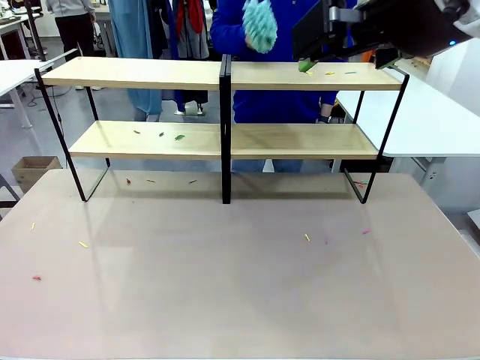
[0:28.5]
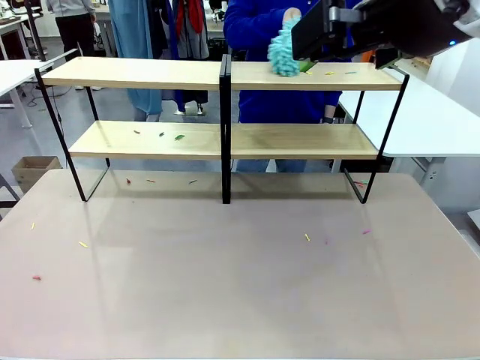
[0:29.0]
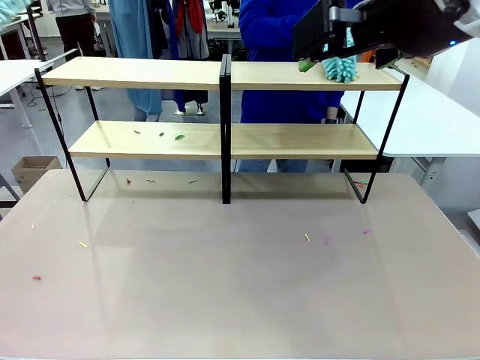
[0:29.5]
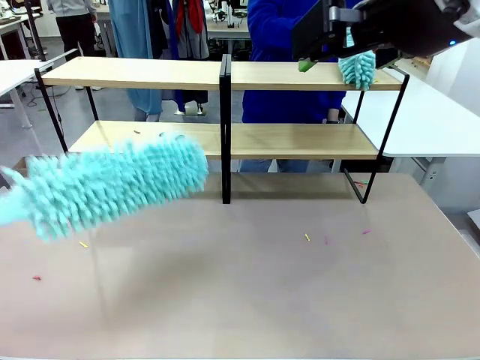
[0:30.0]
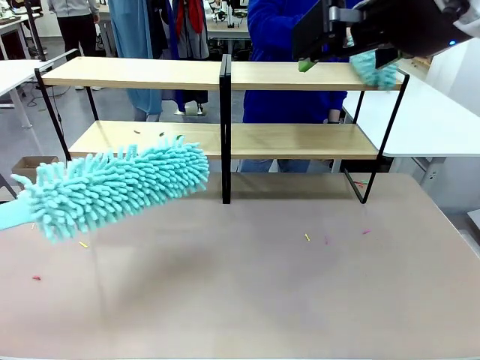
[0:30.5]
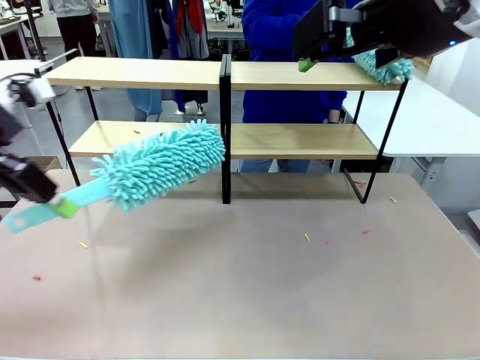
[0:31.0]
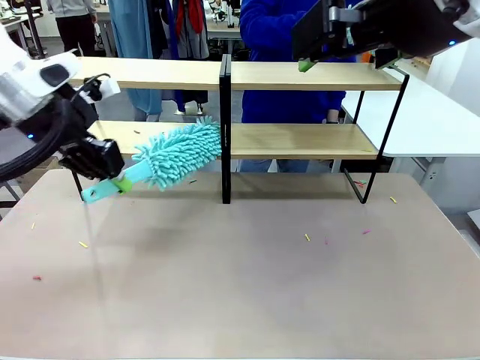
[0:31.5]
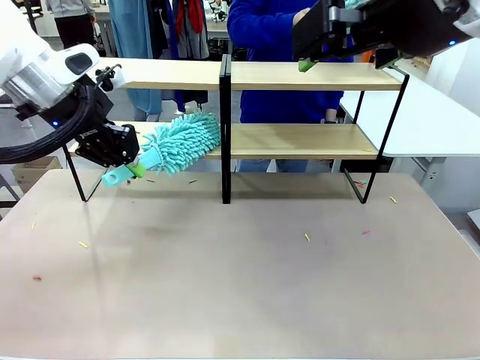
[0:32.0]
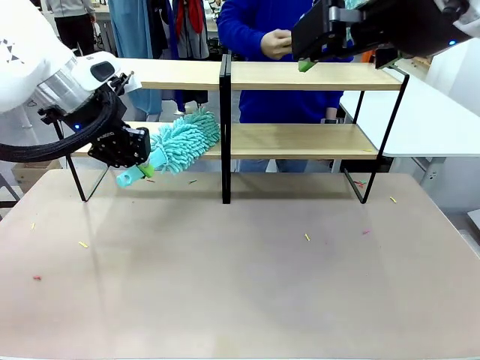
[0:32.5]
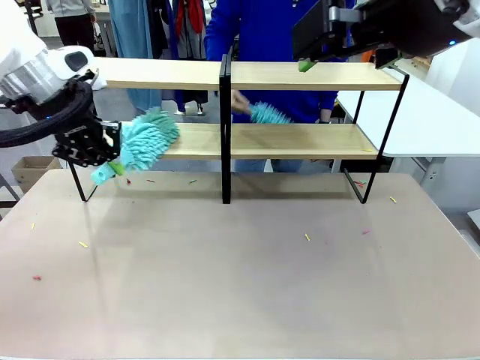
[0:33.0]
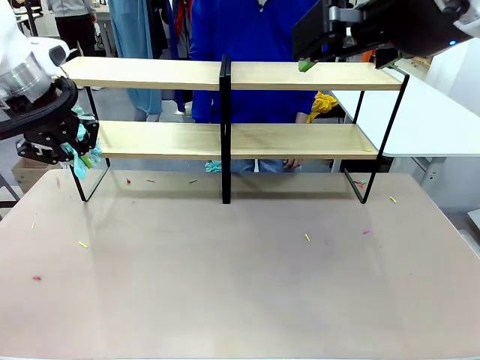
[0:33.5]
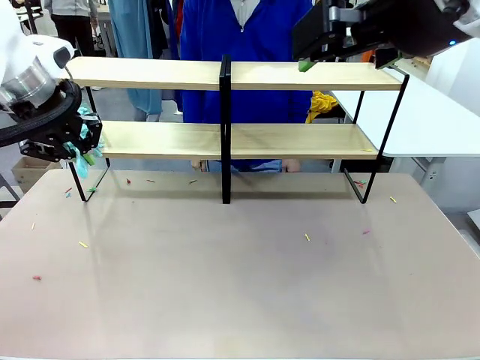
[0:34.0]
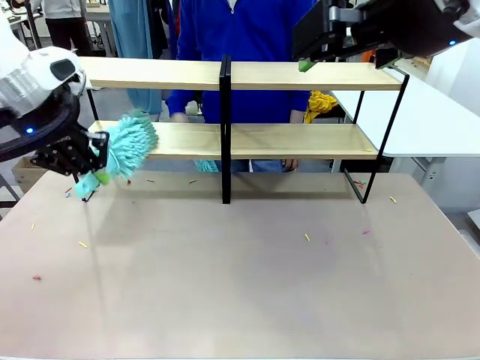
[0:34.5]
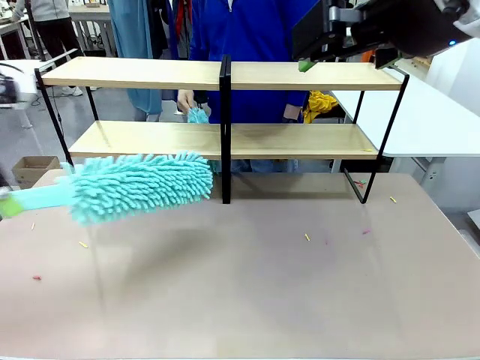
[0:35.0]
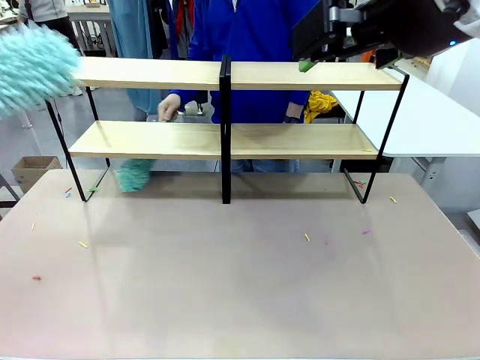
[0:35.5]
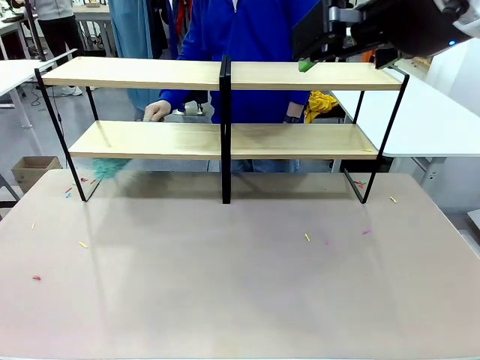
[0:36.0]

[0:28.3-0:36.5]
Task: Clean the shelves.
Robot: Clean another randomly selected level of the Shelf with the Duster.

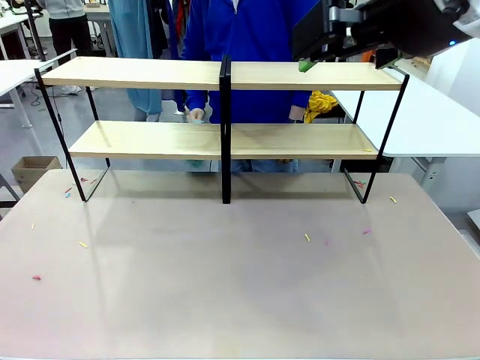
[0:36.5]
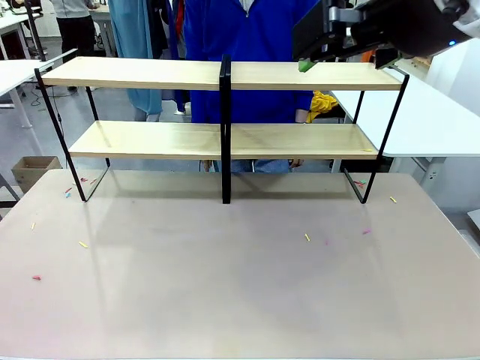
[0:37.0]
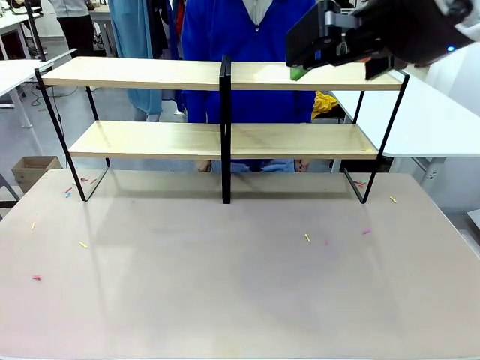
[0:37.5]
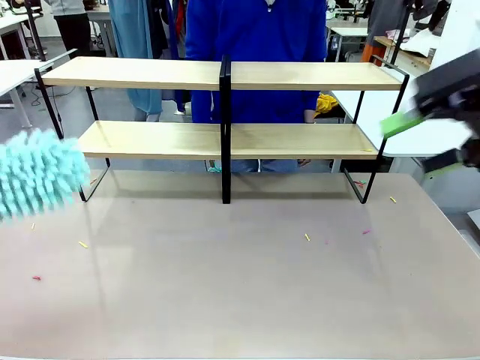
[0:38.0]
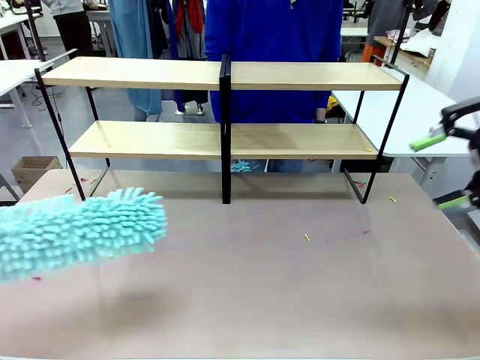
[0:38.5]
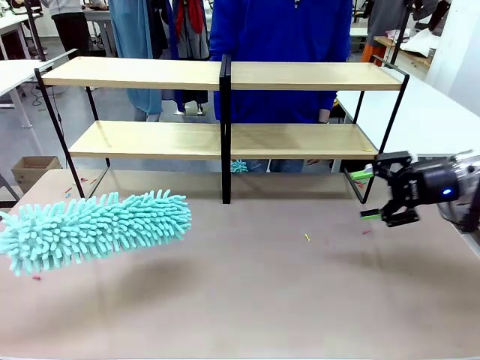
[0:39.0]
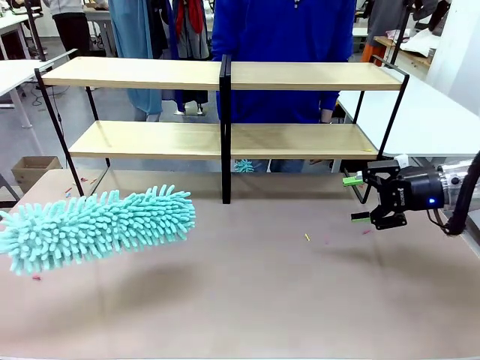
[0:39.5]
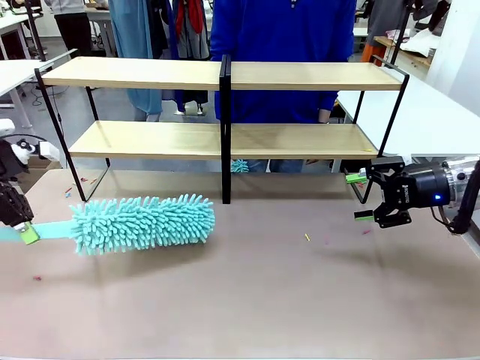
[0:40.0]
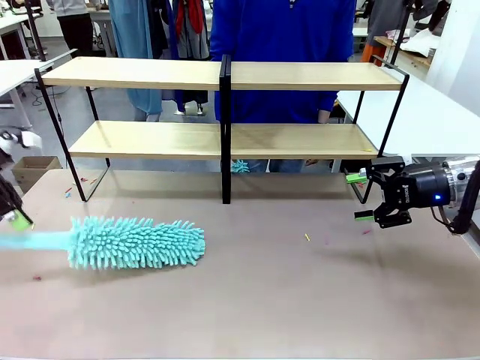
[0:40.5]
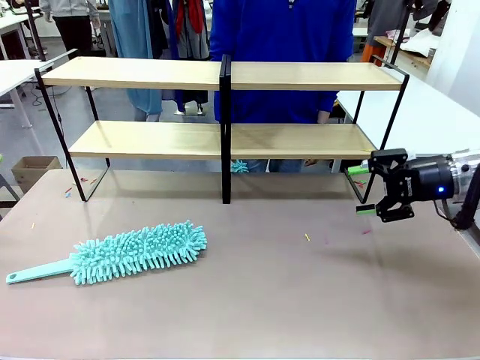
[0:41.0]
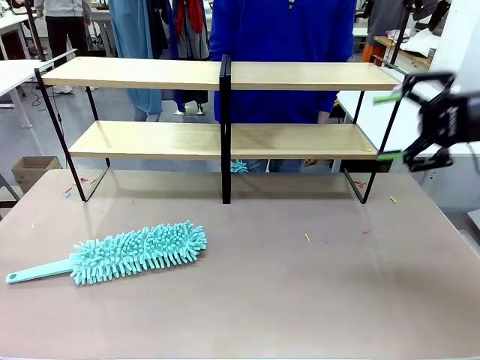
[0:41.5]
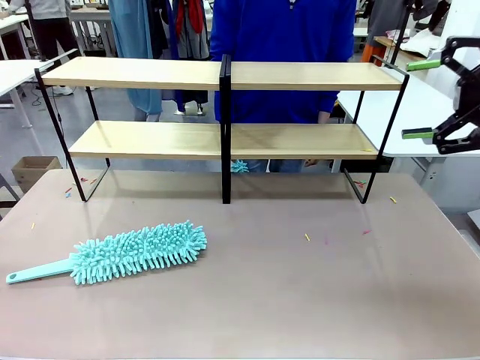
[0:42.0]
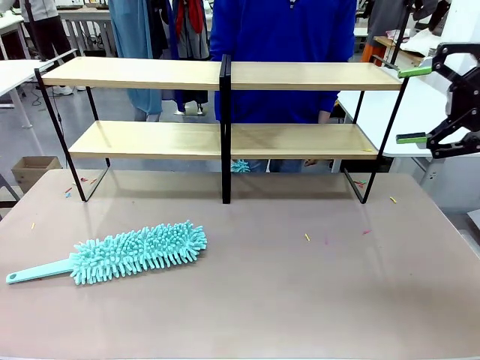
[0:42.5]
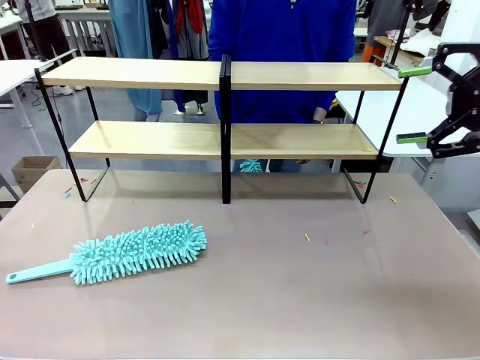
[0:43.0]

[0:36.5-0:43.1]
Robot: Place the Duster on the table.

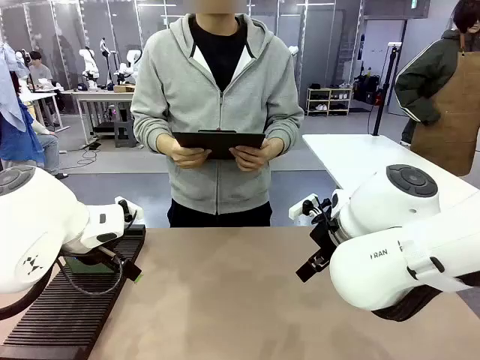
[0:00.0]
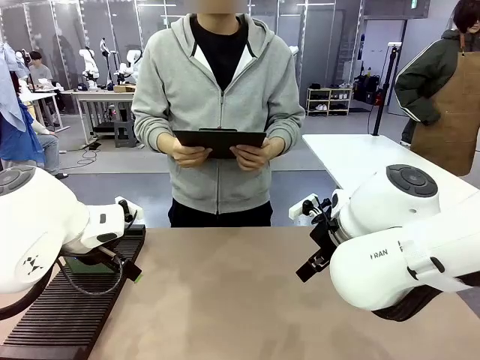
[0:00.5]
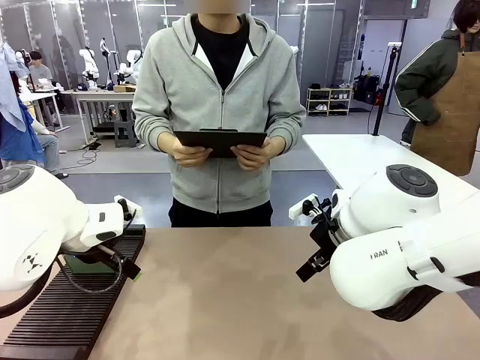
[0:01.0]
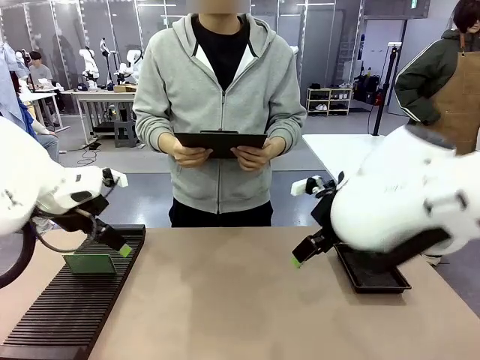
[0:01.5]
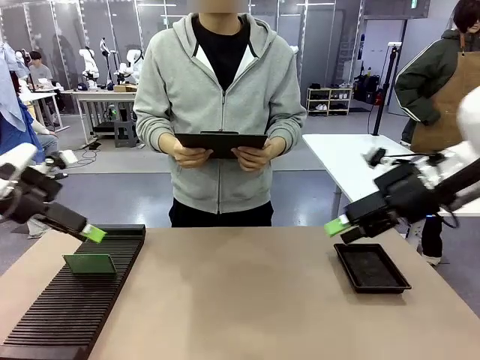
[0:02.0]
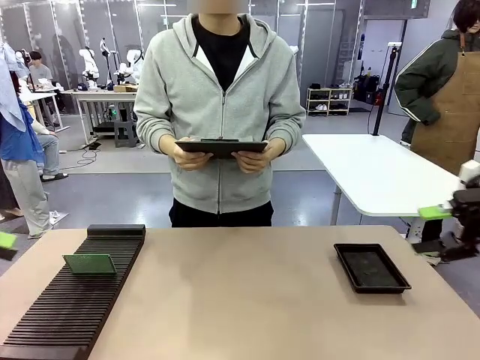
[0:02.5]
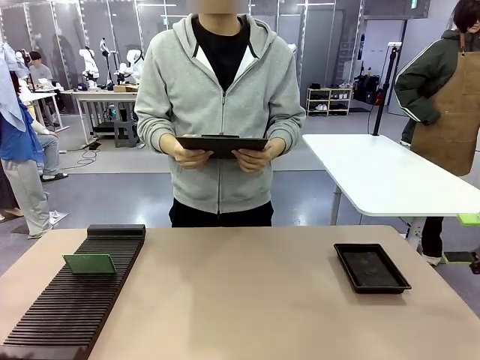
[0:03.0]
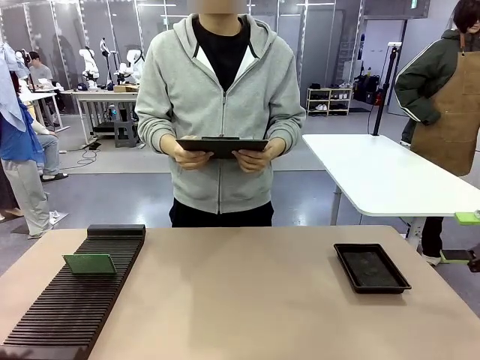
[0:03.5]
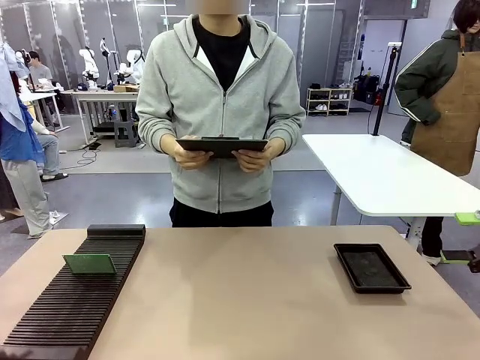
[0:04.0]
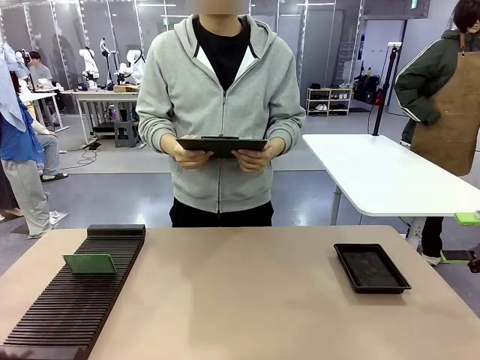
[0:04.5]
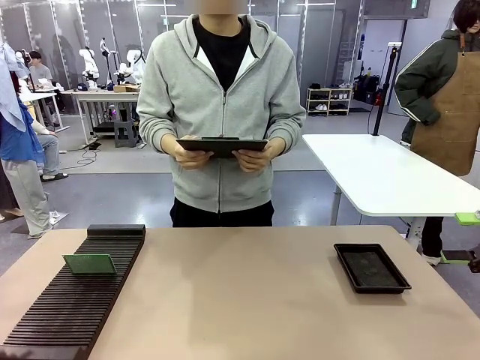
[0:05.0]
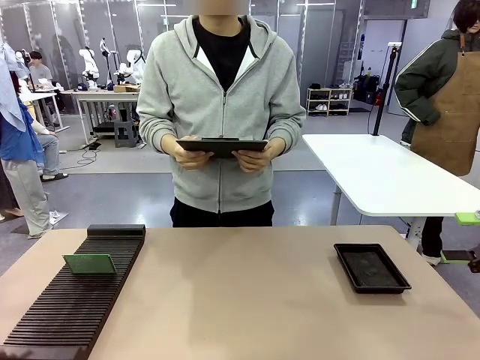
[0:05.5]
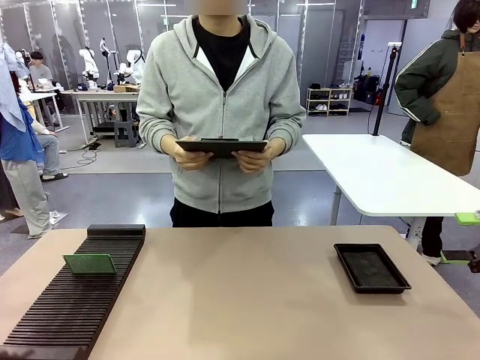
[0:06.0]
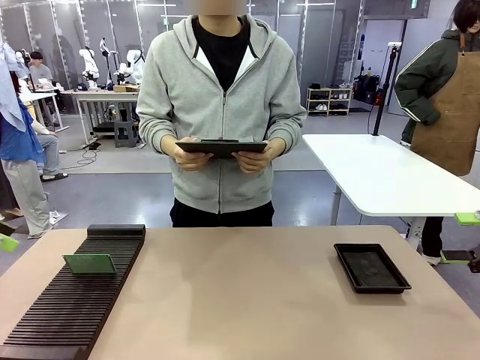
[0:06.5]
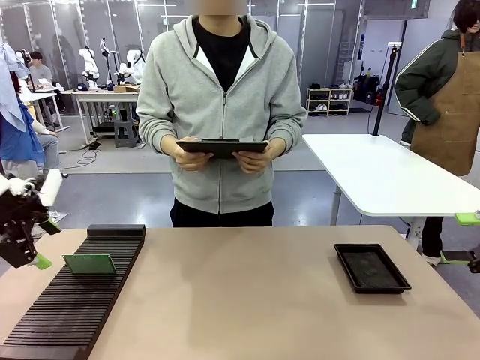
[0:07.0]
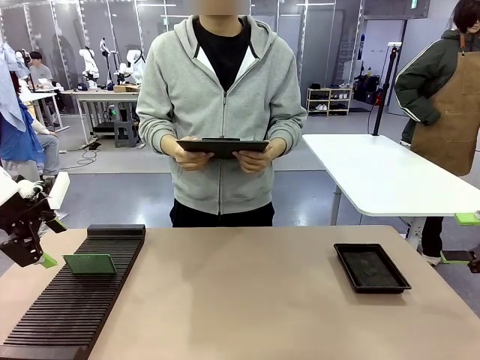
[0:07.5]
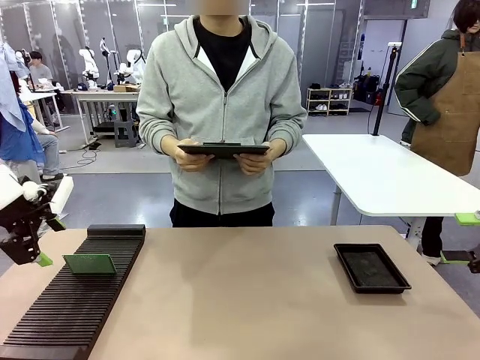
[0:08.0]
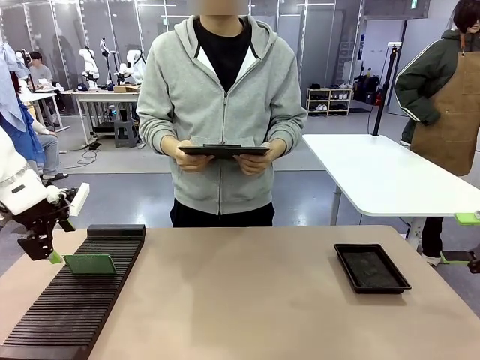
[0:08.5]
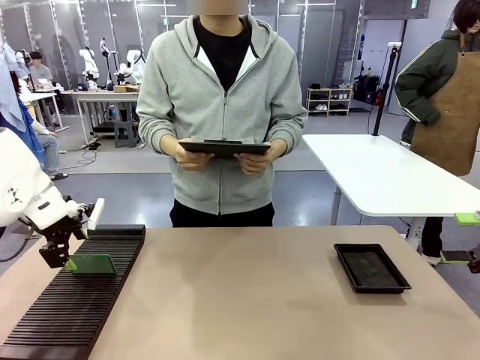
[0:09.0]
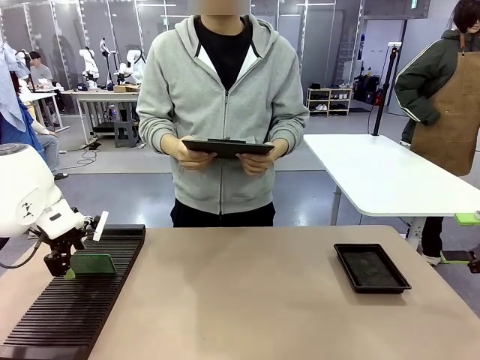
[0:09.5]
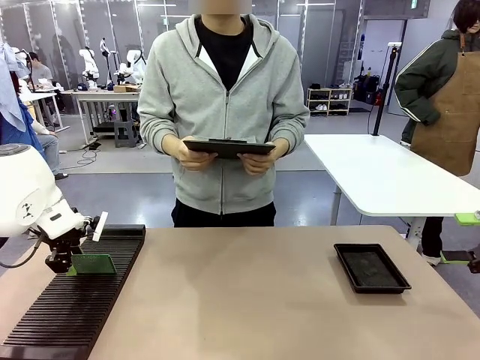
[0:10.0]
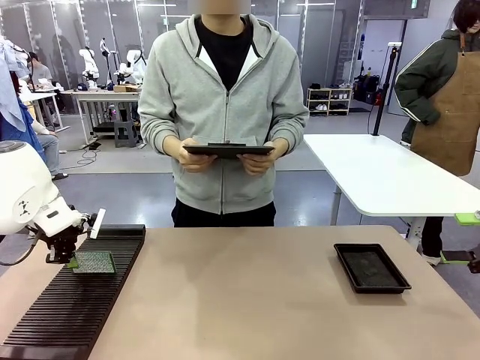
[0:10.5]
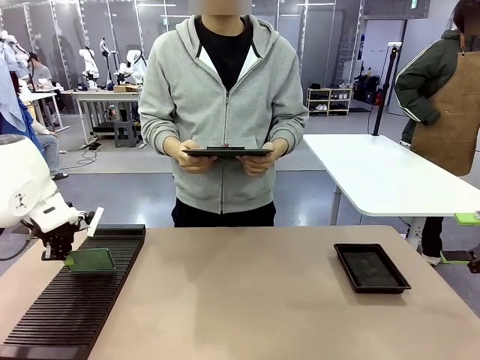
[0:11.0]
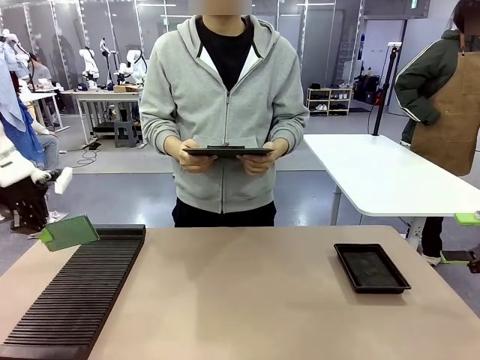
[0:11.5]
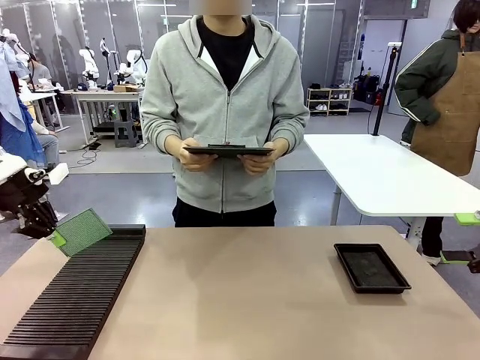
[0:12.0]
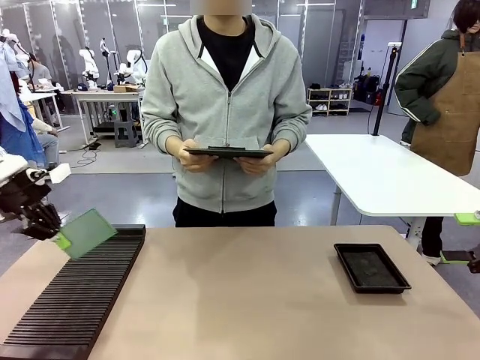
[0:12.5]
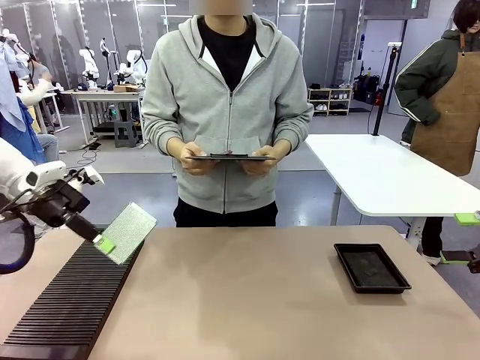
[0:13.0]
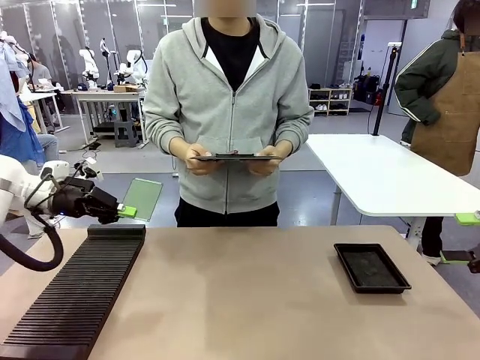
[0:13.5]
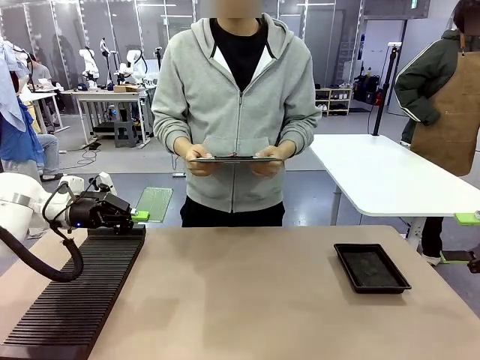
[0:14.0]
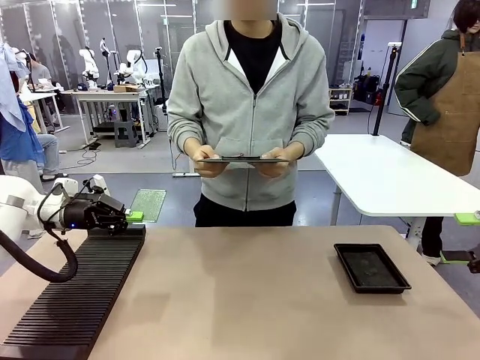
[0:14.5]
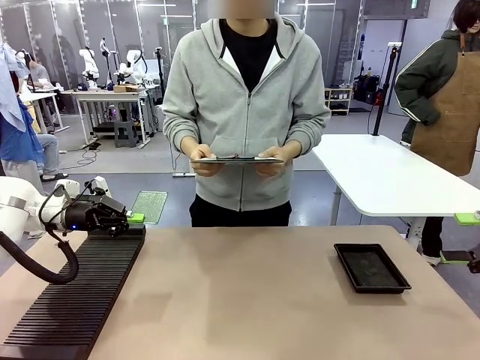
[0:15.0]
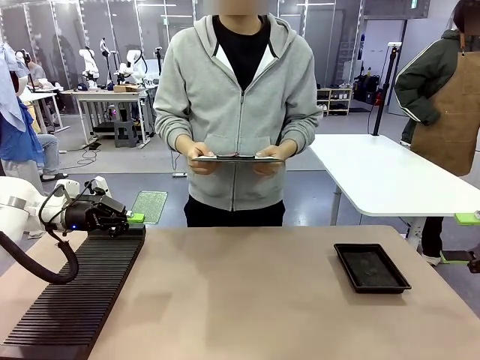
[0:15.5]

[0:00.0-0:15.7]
Task: Inspect the PCB.
Robot: Pick up the Blank PCB and present it to the human.
Person: Pick up the PCB presented by the robot.
